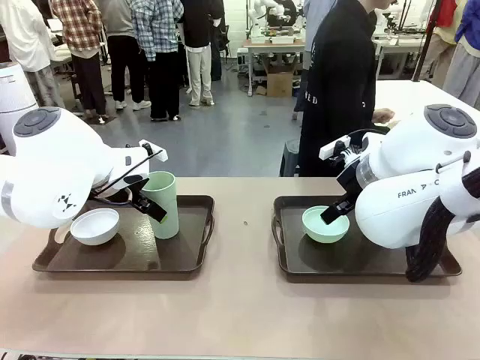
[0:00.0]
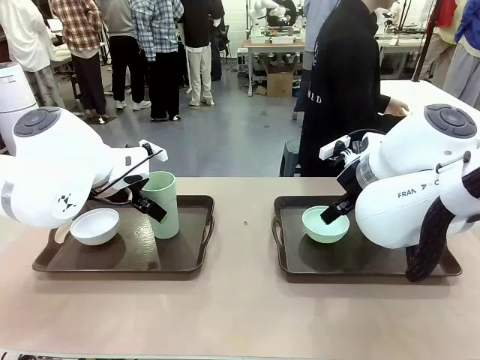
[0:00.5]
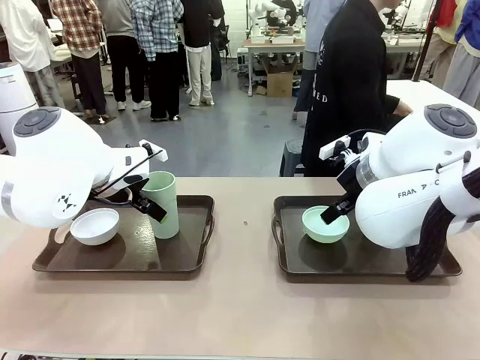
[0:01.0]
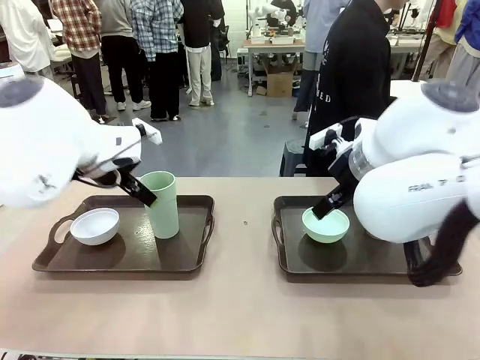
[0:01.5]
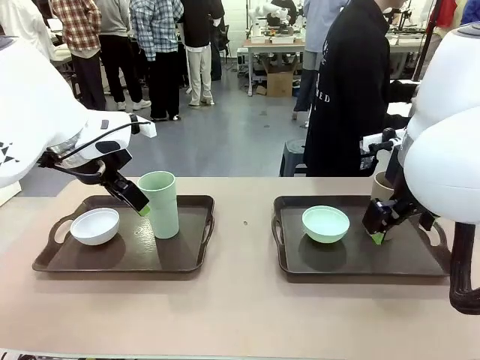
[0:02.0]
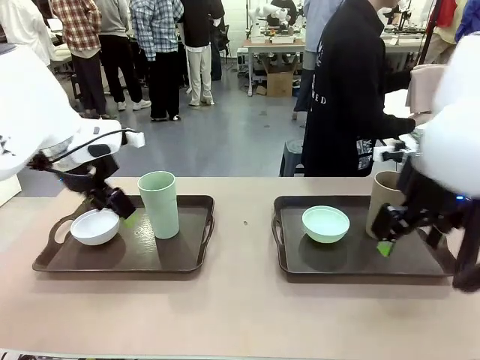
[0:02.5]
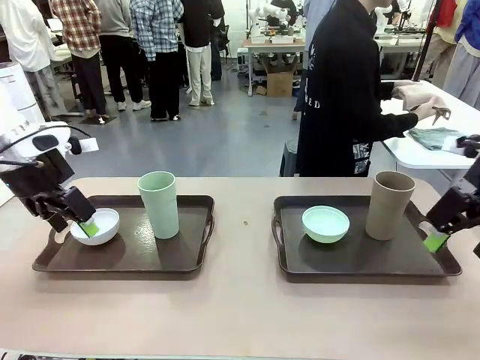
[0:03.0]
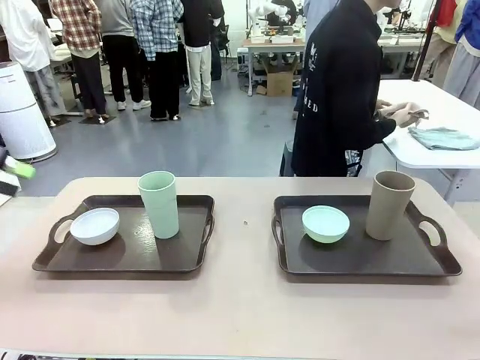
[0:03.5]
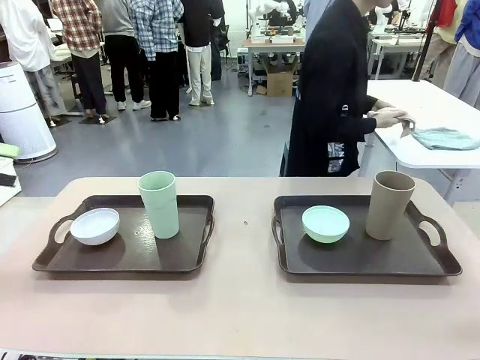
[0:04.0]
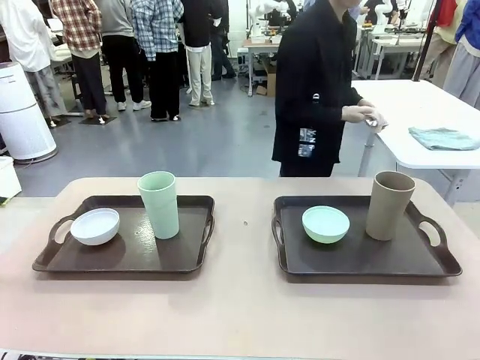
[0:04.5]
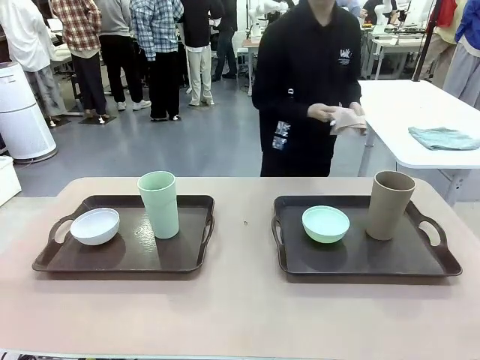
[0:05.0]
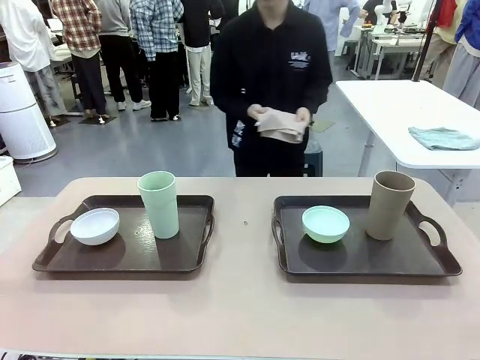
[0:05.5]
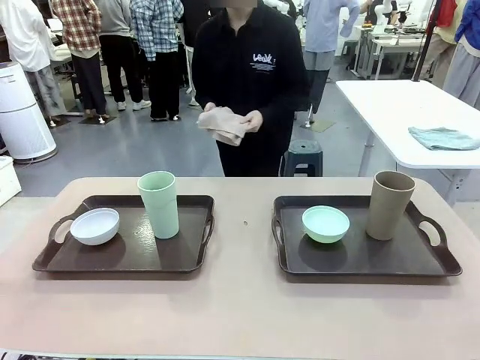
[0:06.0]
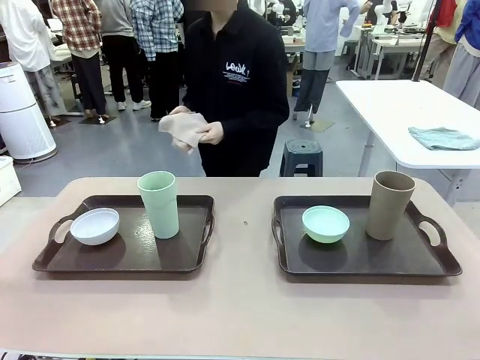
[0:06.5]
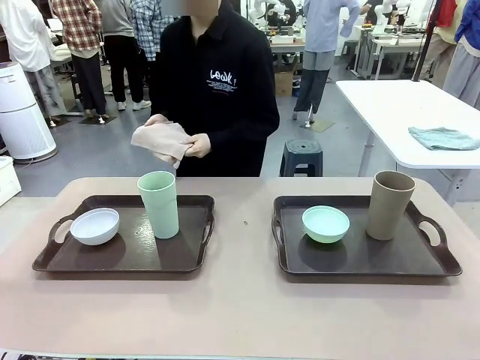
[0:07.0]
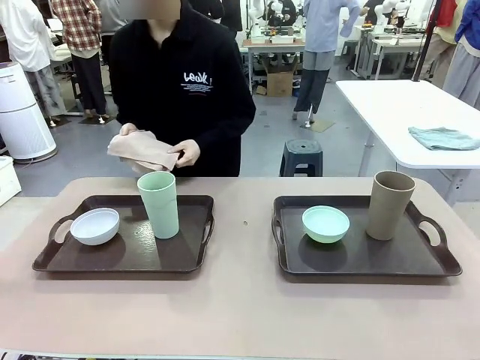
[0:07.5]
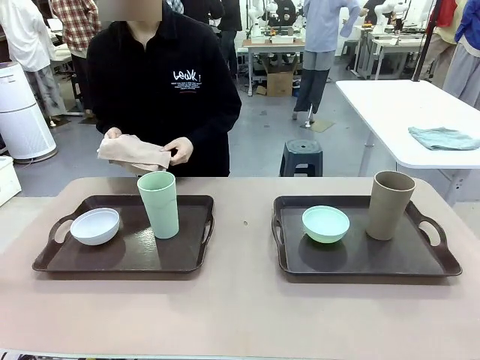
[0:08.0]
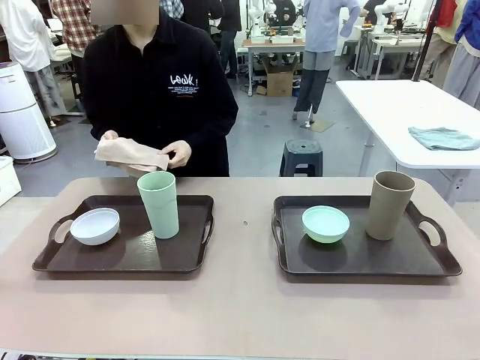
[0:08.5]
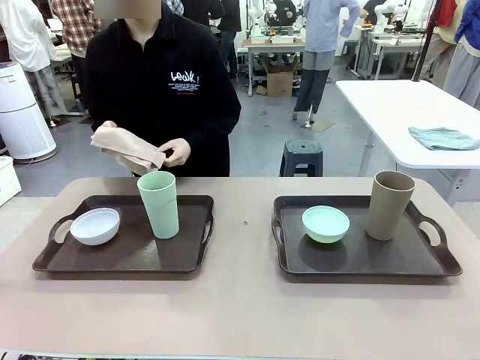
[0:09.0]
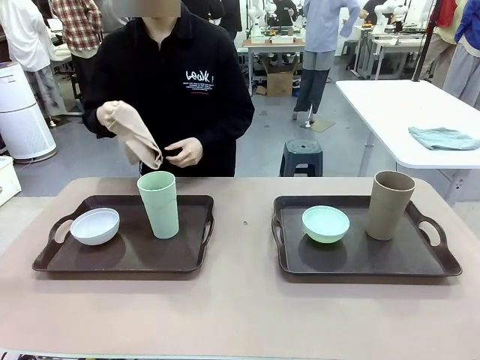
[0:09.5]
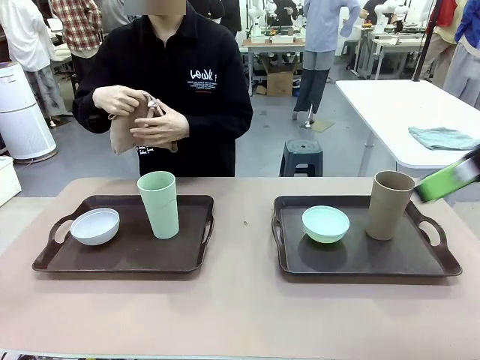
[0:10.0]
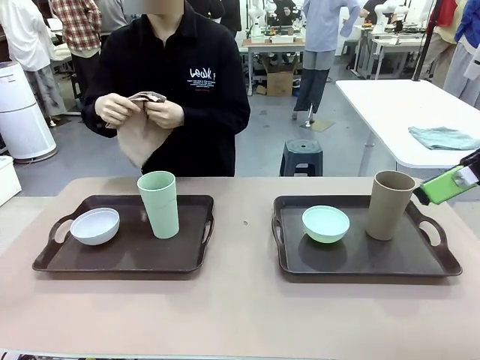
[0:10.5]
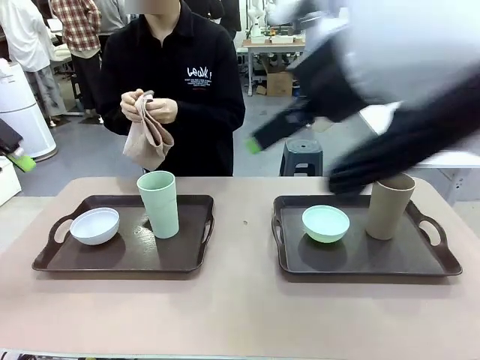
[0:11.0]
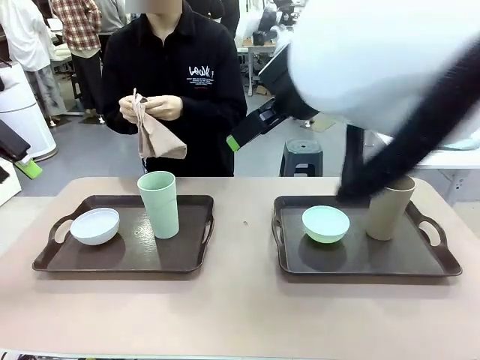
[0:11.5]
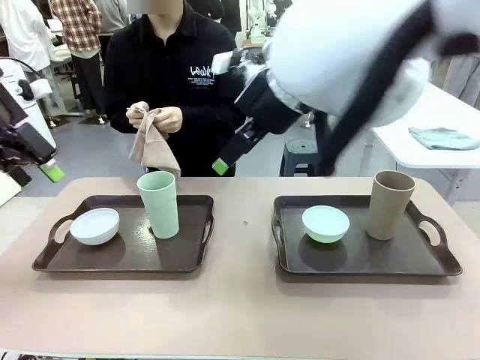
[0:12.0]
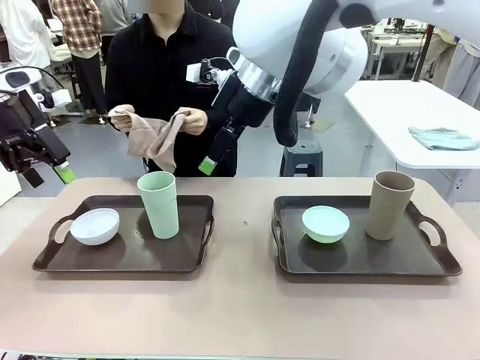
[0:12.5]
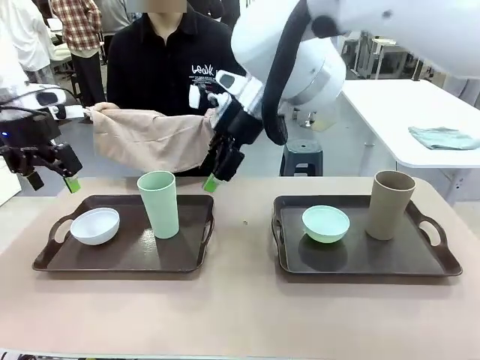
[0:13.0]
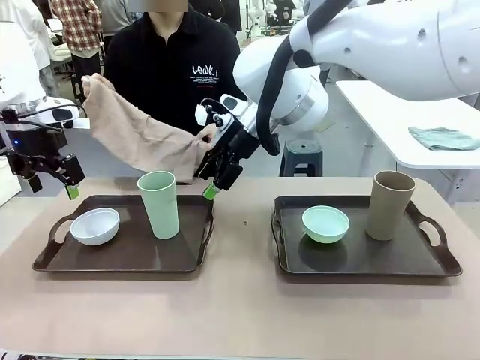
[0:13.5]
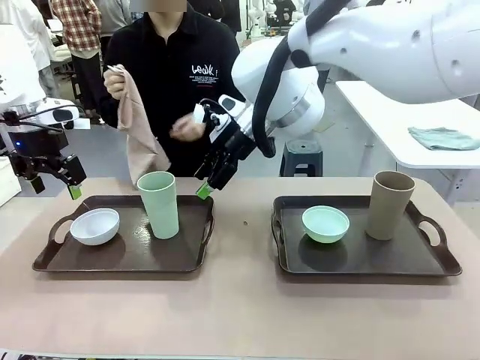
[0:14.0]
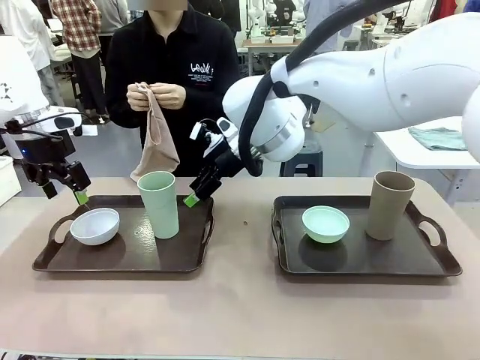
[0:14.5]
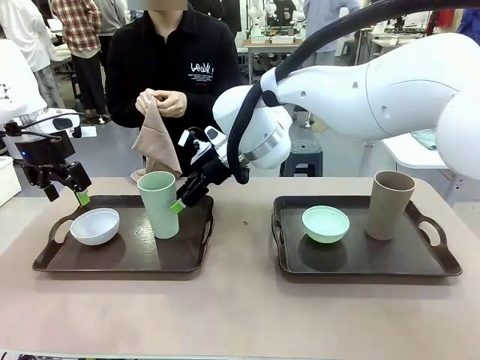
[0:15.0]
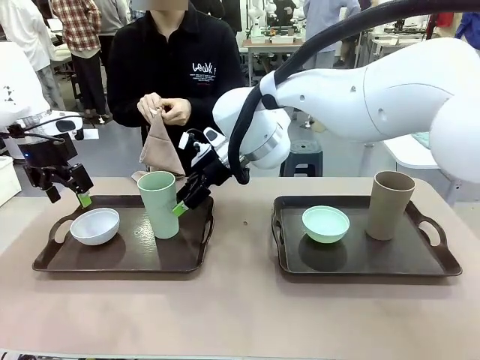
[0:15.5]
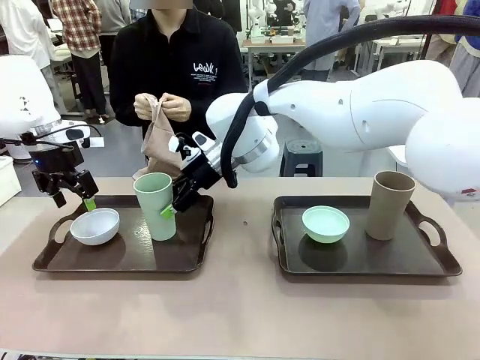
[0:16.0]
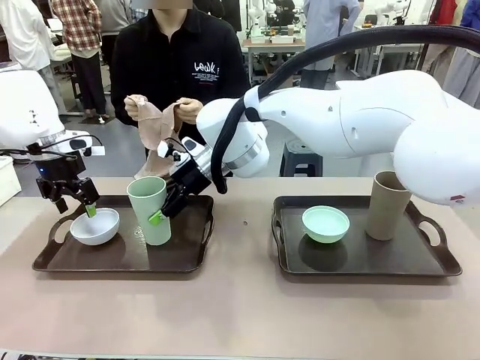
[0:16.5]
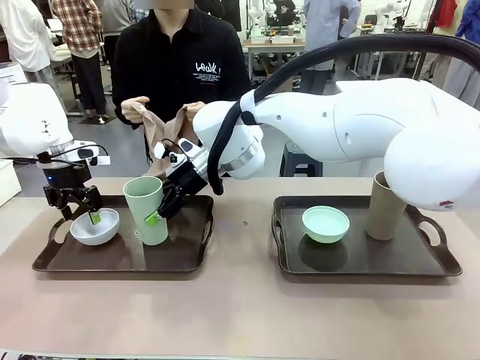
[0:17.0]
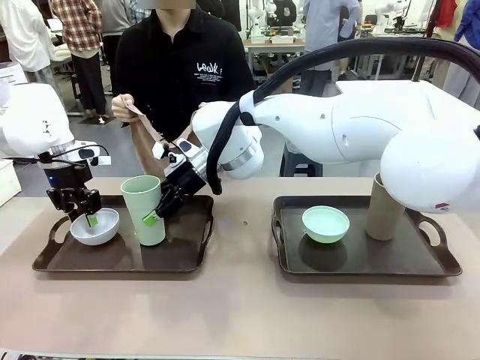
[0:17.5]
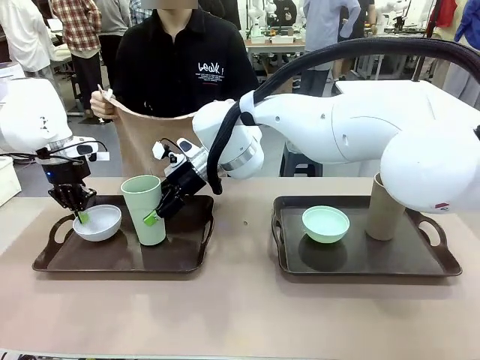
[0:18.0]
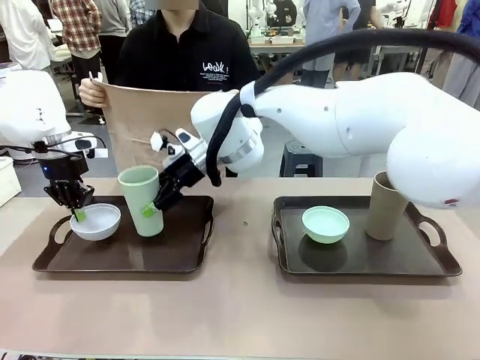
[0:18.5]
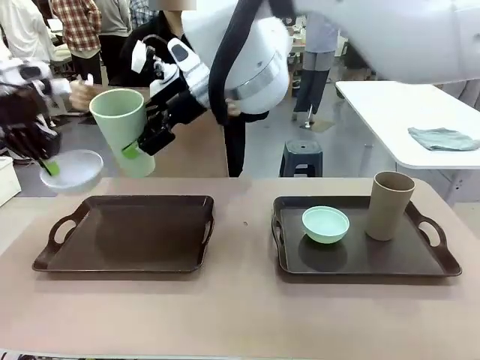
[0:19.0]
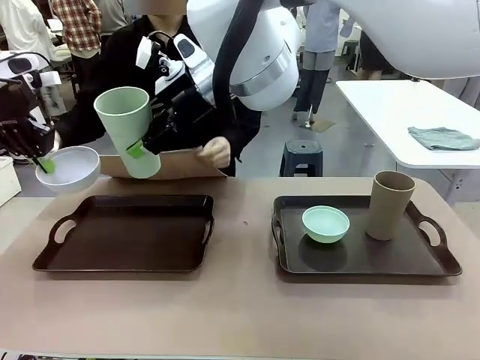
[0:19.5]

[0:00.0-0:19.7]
Robot: Pick up the Picnic Bowl and Reusable plastic cup from the Handle tray in front of the human's position and hold them in the air.
Person: The human picks up the top napkin from the stack on the human table and walks to the robot table to stand in front of one of the two trays. When the robot lifts the bowl and the cup, the human unfolds the napkin and lays the napkin flat on the tray.

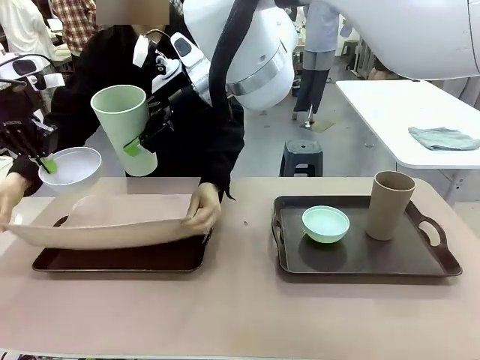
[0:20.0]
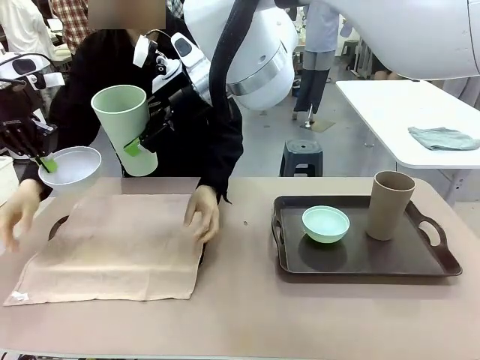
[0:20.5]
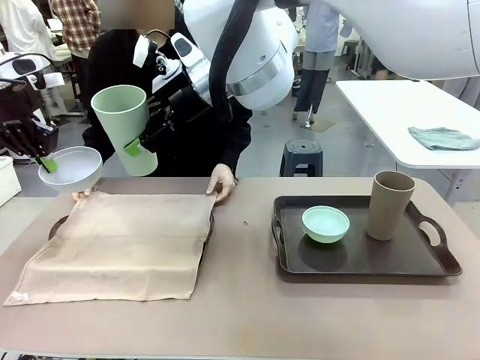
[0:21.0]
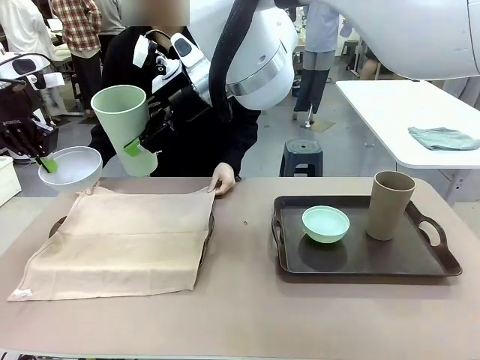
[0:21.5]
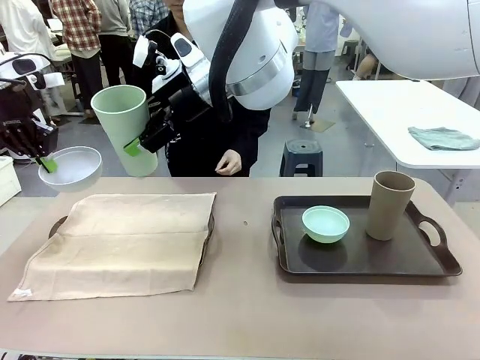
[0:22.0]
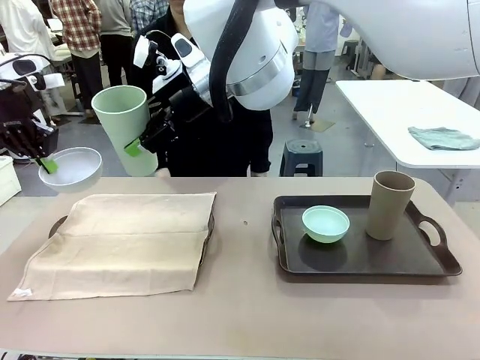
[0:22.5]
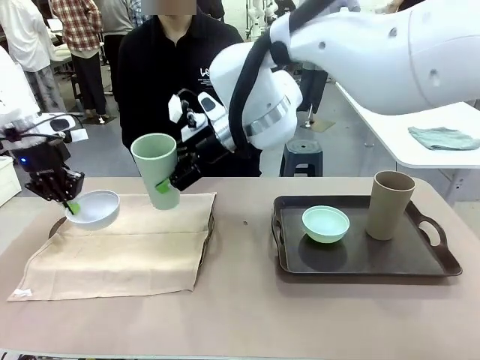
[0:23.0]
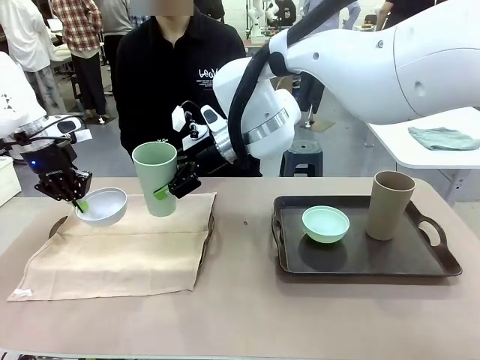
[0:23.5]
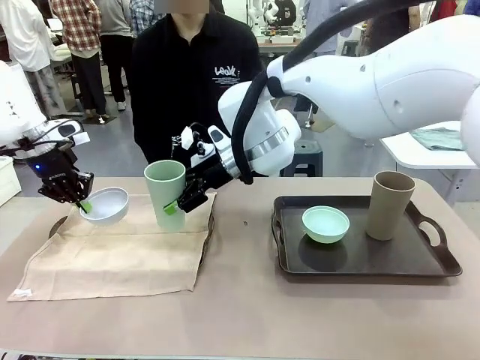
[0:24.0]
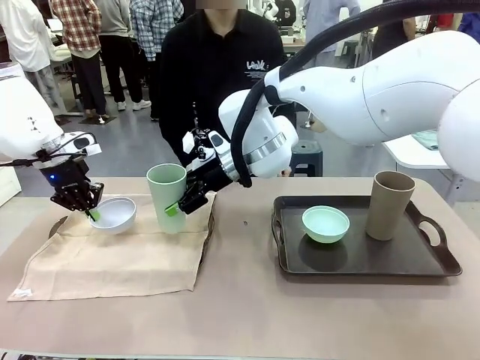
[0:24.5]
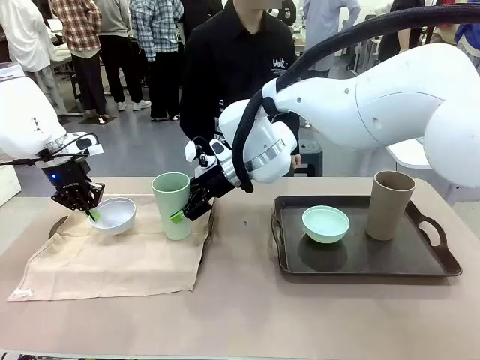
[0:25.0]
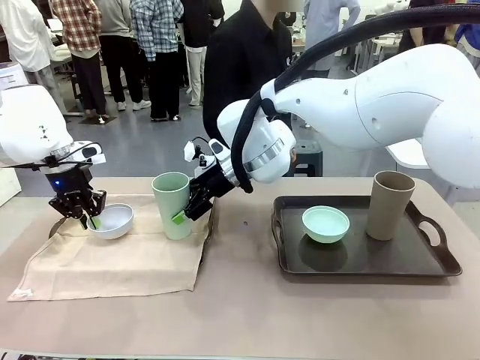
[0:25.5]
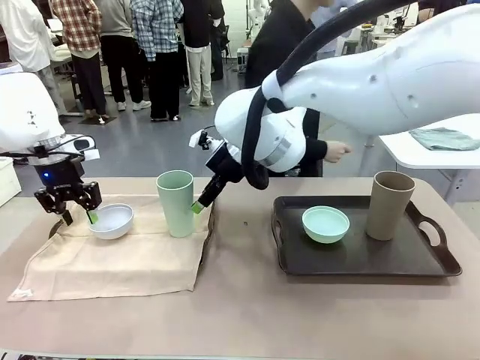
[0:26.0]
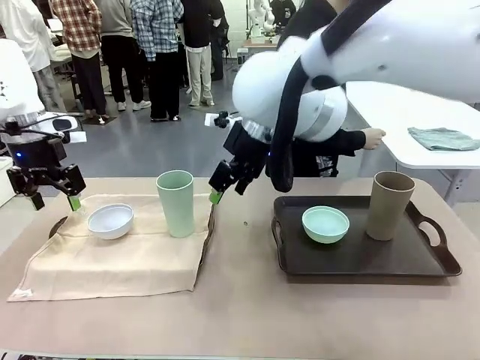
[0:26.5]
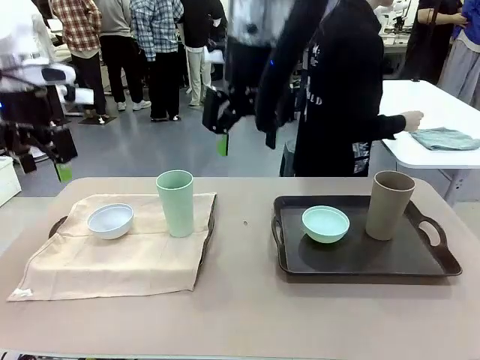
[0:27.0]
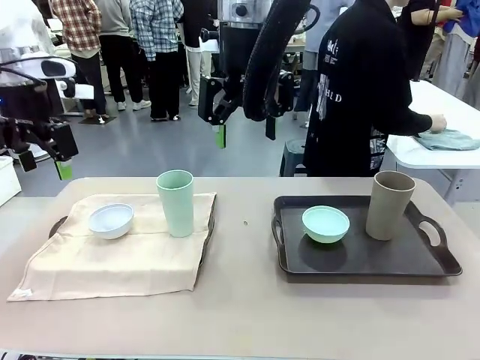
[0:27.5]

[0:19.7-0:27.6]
Robot: Place the Picnic Bowl and Reusable plastic cup back onto the Handle tray in front of the human's position.

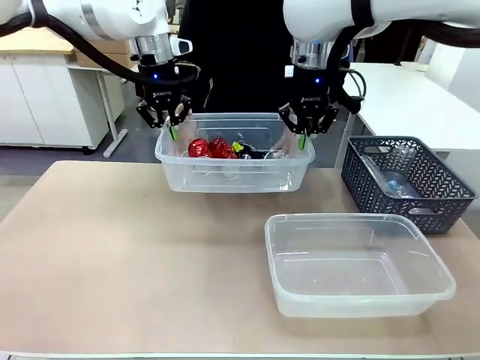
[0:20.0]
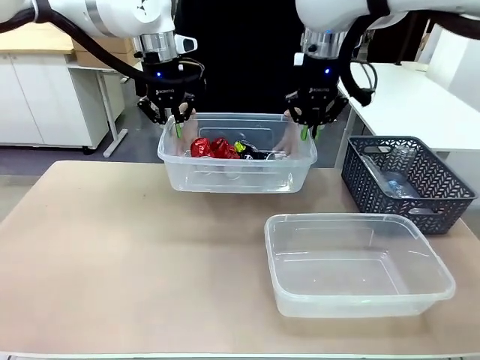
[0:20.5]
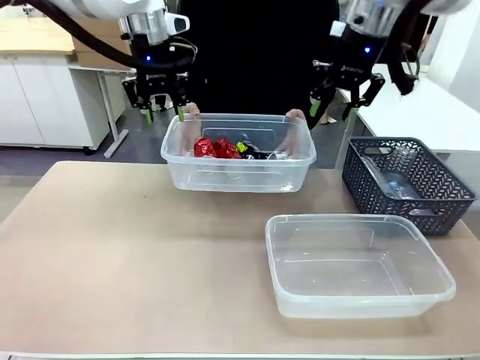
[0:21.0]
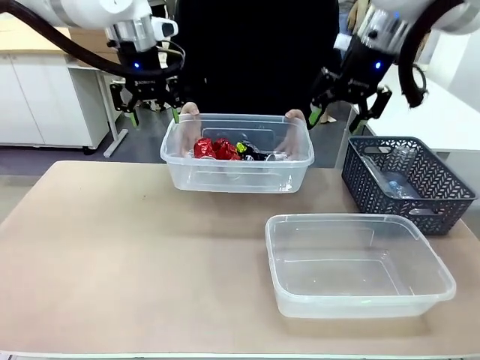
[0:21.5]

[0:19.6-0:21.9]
Robot: Release the Organizing box you were holding.
